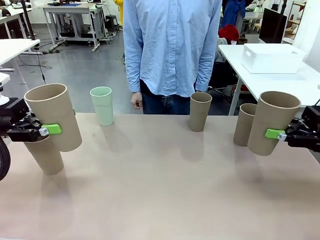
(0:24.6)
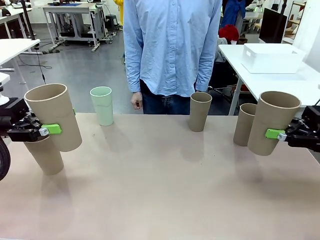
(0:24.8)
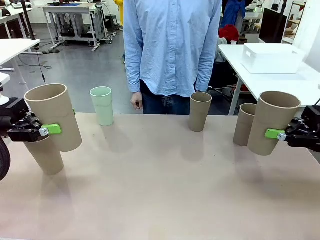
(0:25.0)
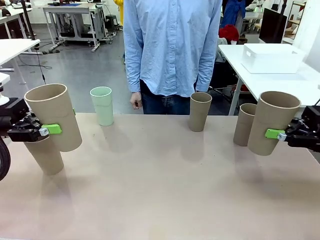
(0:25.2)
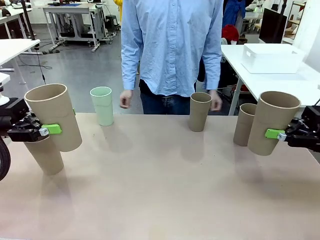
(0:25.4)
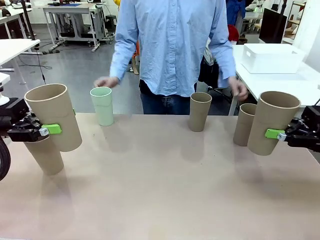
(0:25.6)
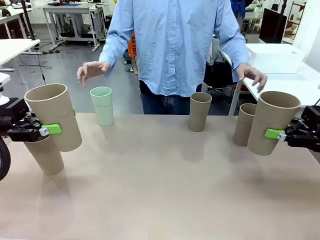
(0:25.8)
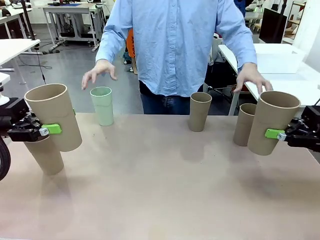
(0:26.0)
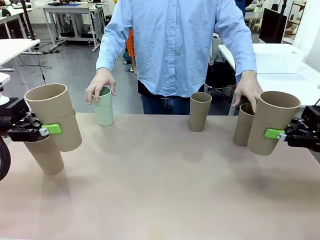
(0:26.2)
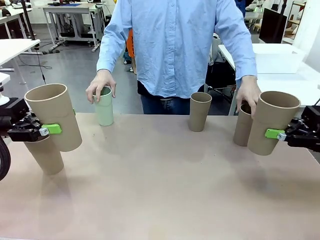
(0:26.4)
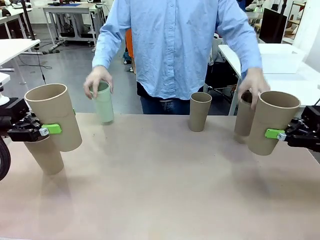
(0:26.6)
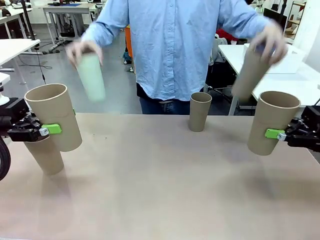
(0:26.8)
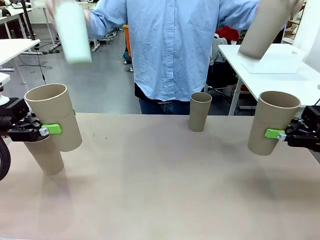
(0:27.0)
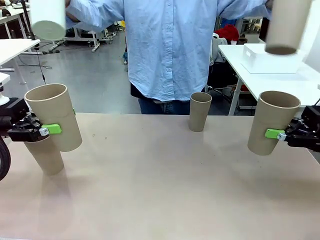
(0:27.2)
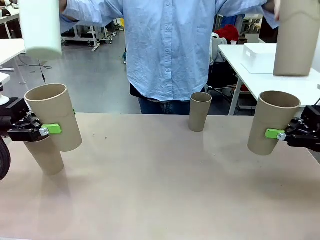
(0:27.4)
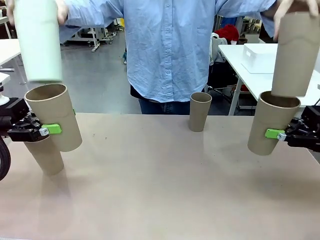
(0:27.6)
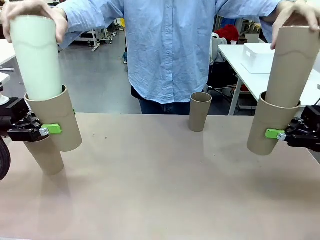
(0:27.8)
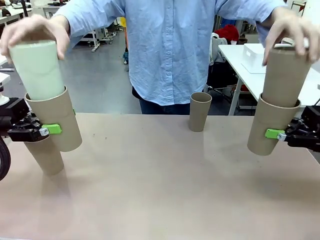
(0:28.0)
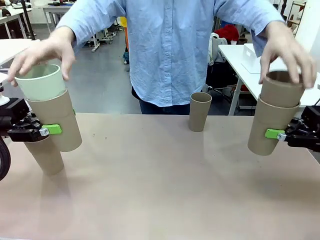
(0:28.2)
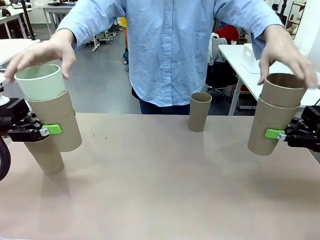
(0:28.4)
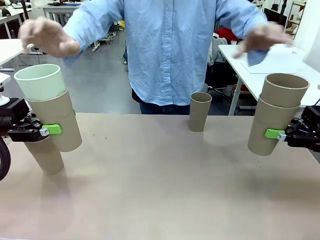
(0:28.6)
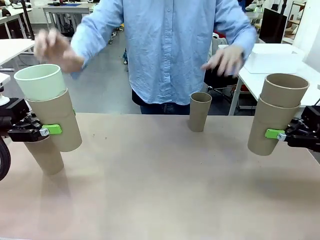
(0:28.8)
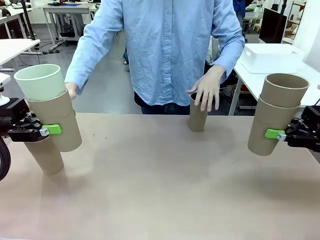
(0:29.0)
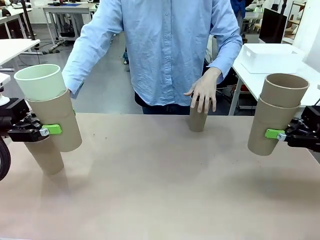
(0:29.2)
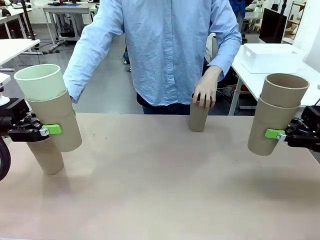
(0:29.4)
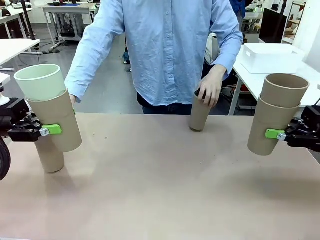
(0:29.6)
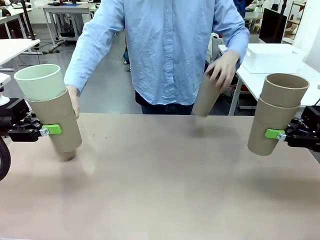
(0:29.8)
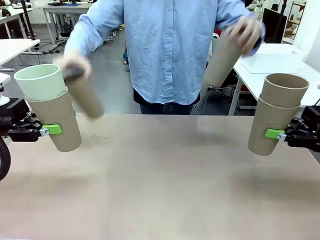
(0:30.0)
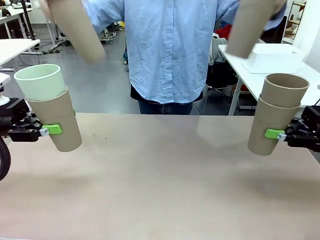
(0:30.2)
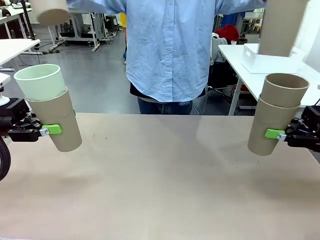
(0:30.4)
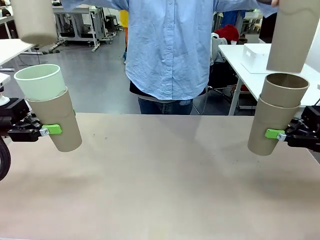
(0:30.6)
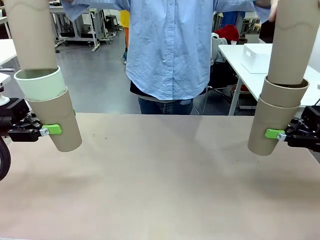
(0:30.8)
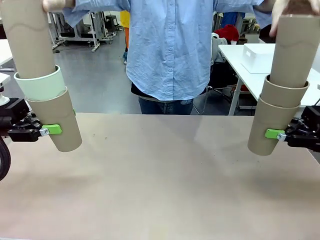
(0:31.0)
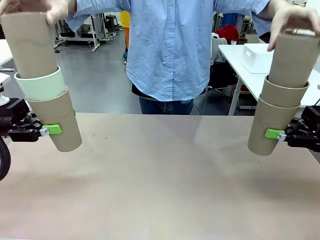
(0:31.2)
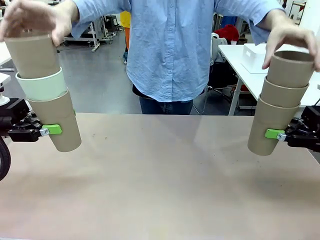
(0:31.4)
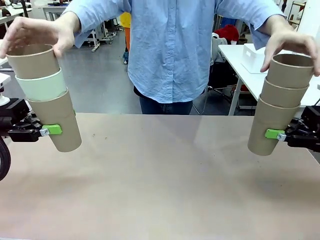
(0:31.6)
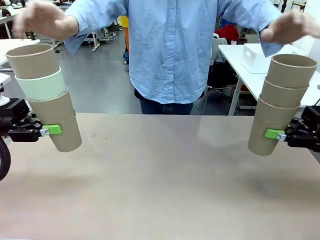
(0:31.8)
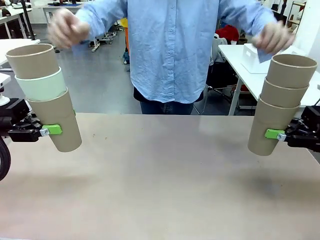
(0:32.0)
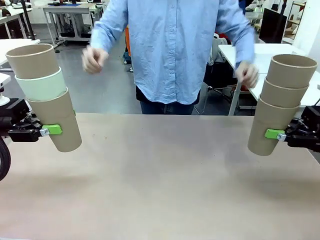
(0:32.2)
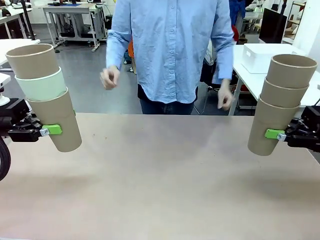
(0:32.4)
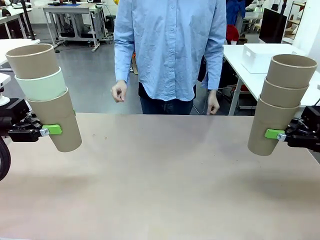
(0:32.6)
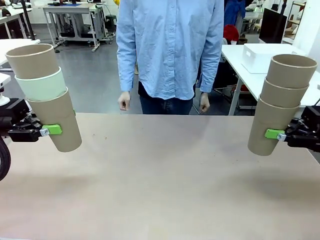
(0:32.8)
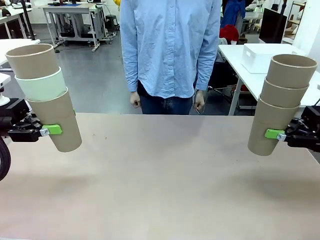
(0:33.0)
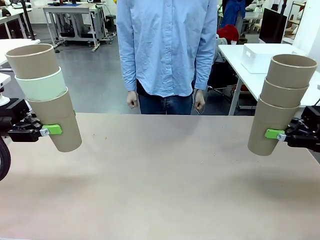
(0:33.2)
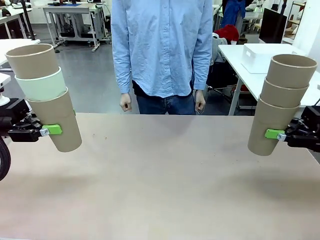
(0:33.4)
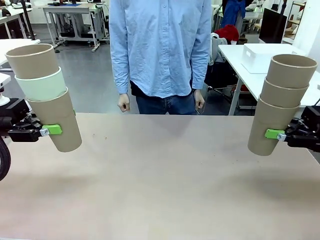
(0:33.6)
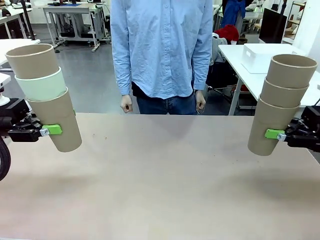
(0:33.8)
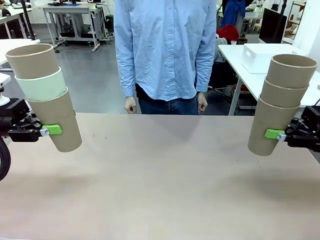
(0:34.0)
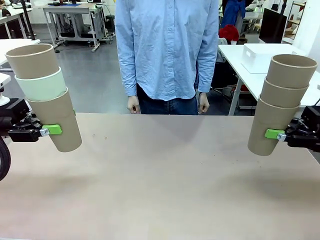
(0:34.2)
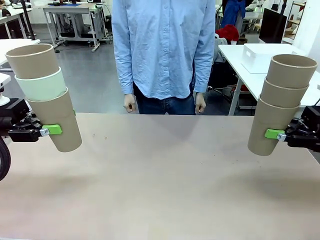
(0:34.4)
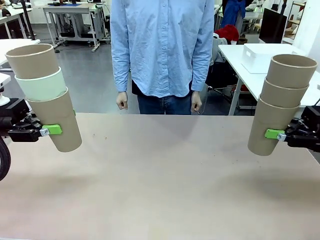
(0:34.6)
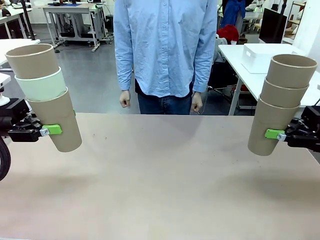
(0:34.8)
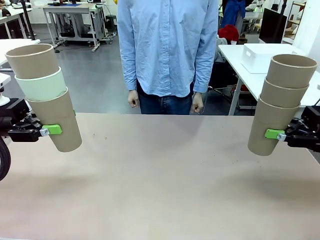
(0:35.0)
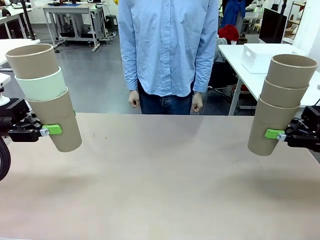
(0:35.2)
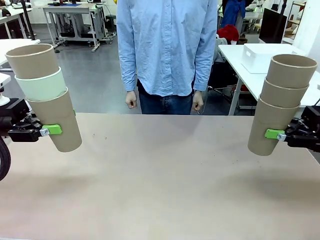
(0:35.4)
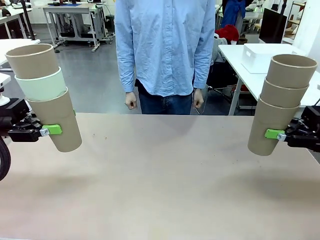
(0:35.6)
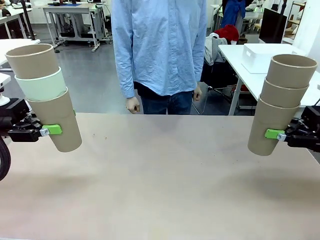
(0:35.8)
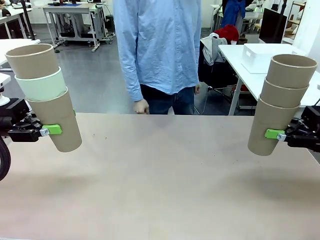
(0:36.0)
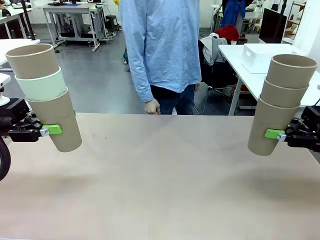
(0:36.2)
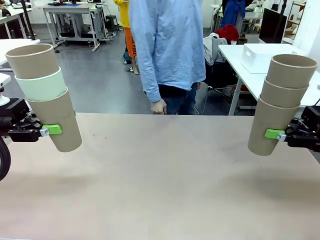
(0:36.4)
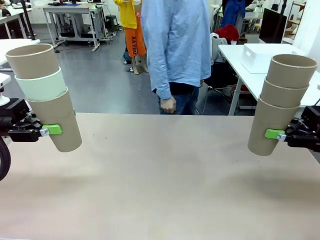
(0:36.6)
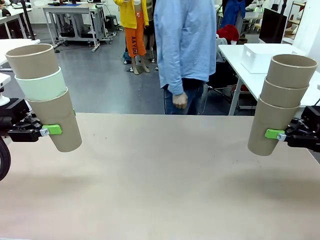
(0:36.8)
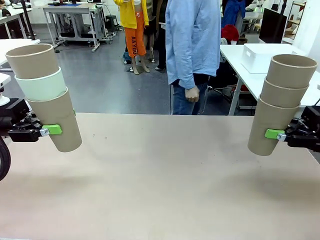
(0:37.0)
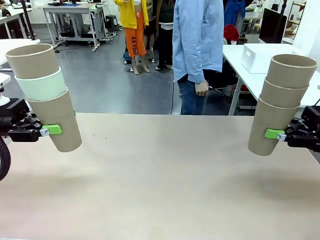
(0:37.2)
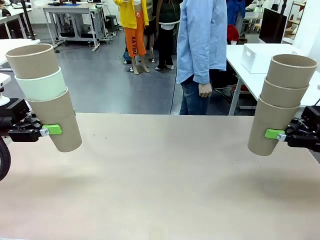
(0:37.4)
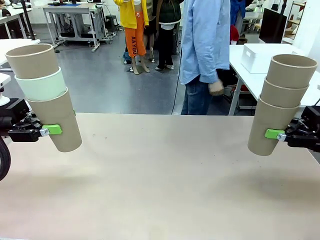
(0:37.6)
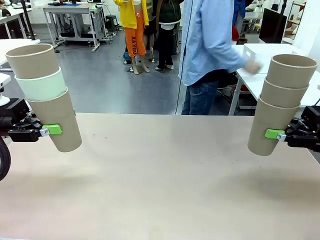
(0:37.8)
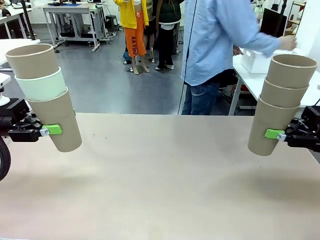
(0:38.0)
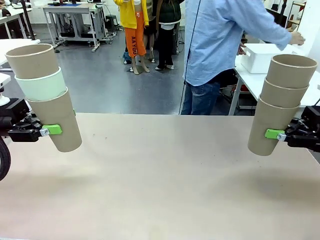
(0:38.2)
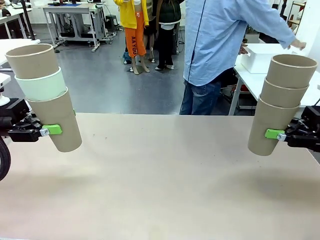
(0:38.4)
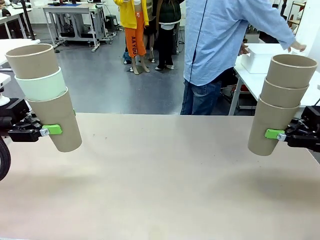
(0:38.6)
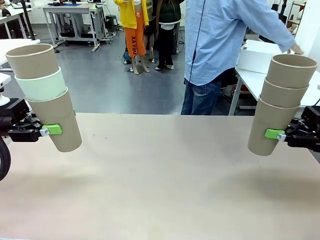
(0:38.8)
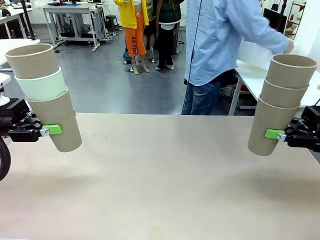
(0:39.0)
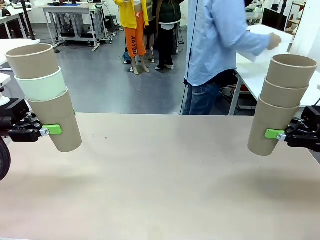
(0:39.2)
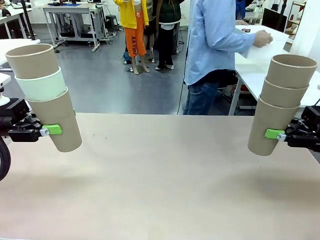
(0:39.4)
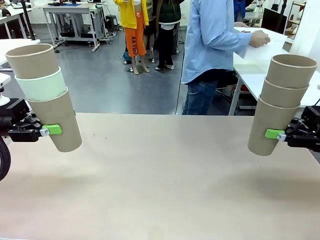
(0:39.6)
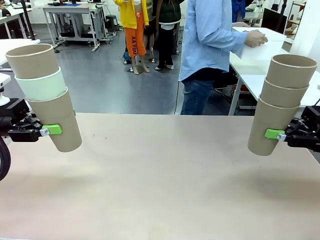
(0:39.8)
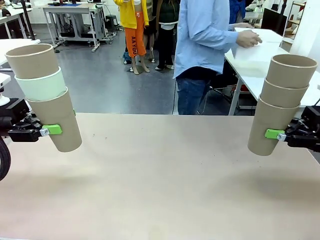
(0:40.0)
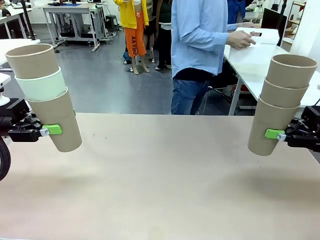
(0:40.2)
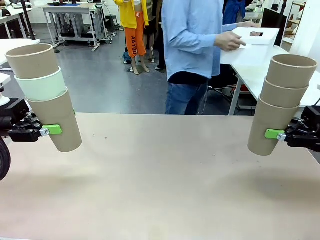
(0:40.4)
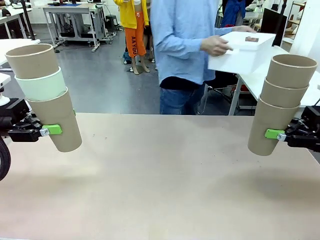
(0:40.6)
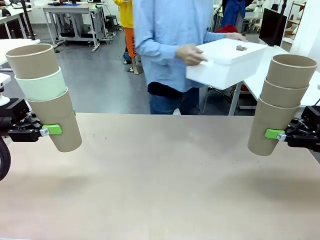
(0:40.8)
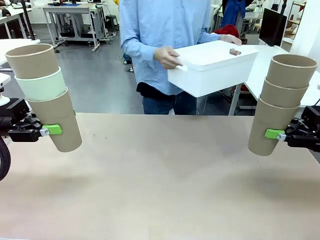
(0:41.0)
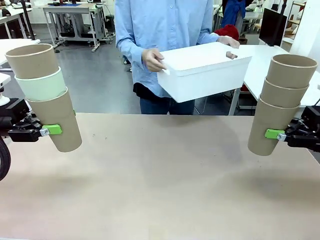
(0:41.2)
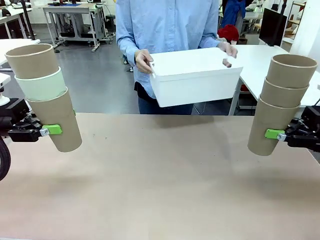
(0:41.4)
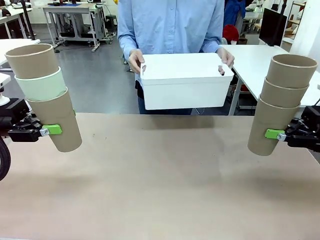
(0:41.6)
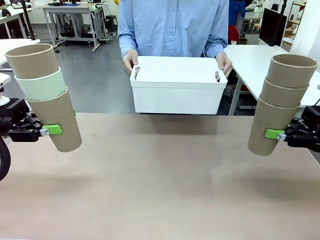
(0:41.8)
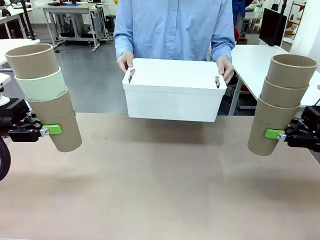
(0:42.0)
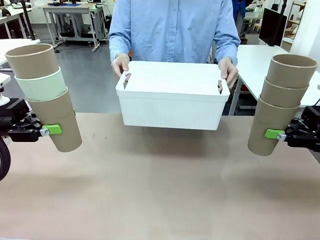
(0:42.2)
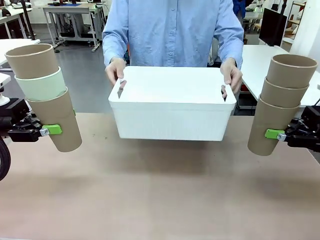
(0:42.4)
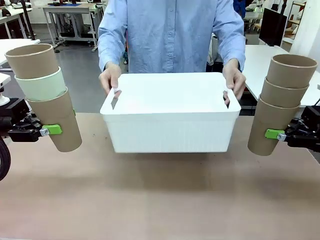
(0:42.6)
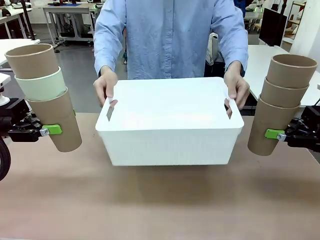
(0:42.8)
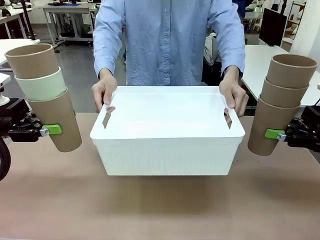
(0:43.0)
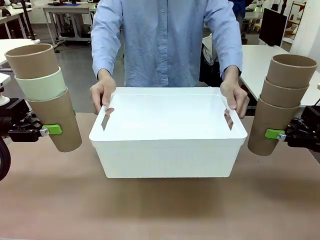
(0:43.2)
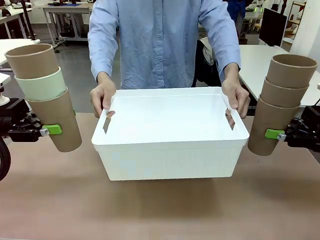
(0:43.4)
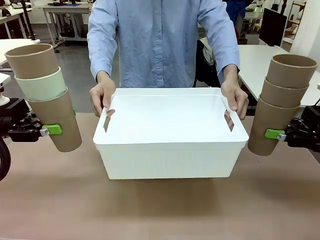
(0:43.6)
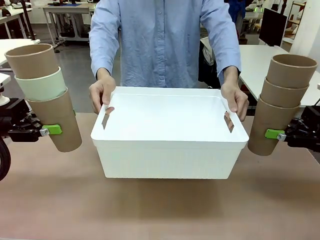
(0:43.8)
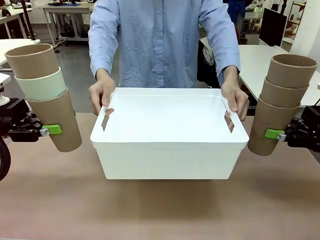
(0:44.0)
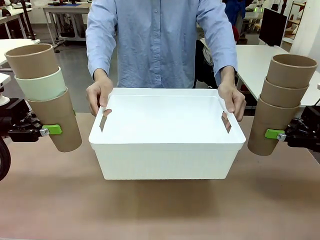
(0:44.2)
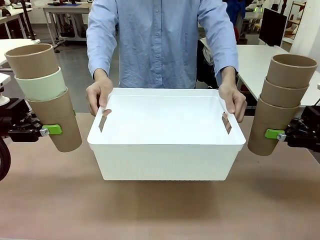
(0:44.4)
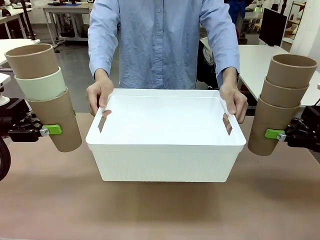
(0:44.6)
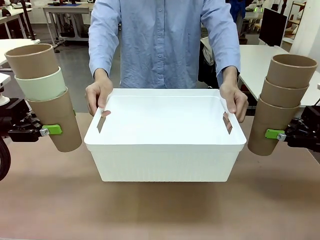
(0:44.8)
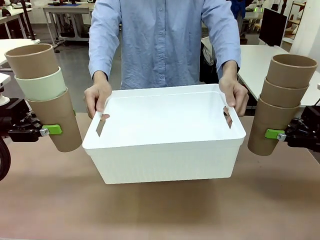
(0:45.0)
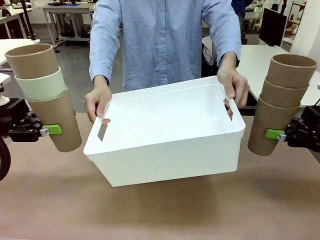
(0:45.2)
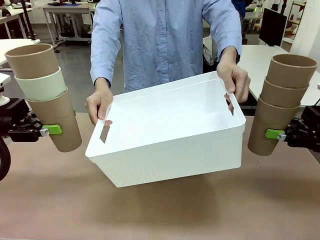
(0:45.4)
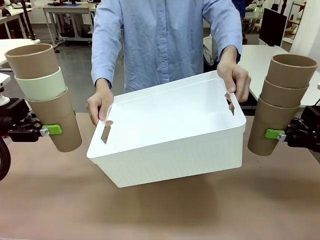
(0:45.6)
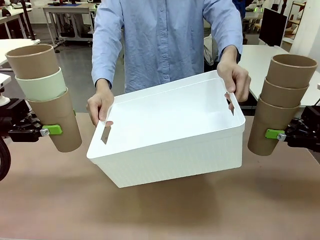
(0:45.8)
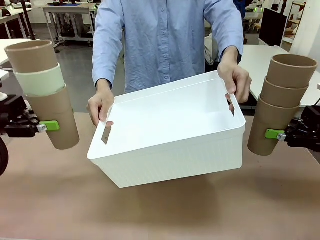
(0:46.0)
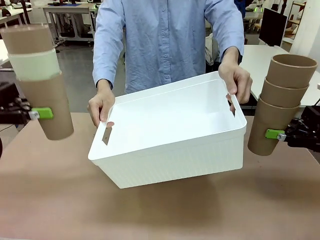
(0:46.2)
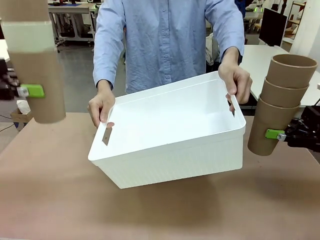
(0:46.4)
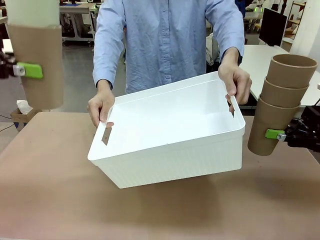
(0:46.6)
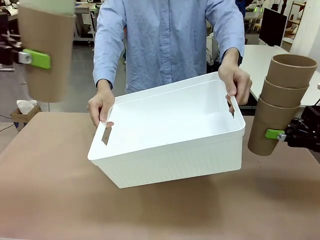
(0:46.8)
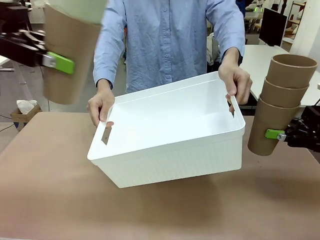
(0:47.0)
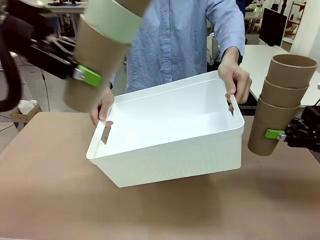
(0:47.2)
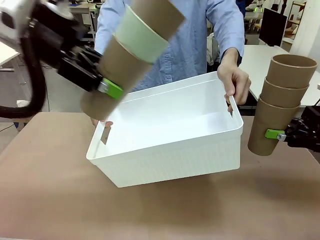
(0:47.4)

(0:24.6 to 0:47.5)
Task: Stack the cups and store them in the basket.
Robot: Place the stack of Reusable plastic cups into the Pantry Basket.
Person: Pick up the basket from the Human Table, bring it to the front of the robot, and present it.
